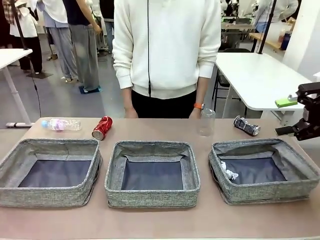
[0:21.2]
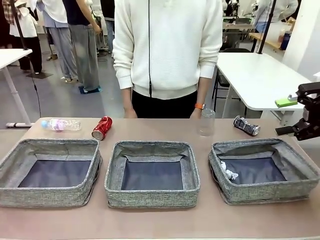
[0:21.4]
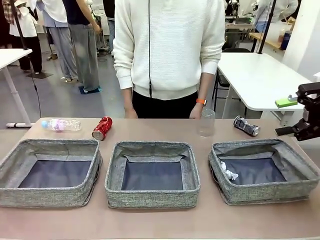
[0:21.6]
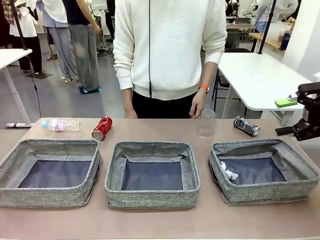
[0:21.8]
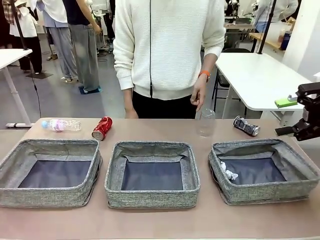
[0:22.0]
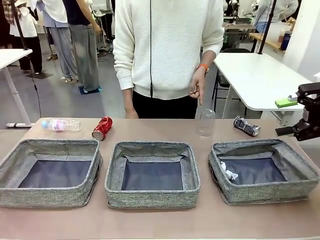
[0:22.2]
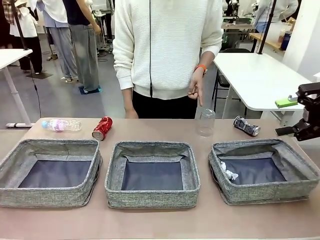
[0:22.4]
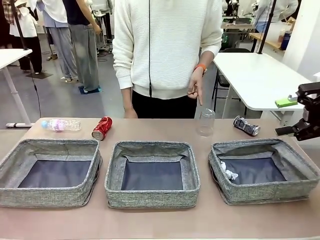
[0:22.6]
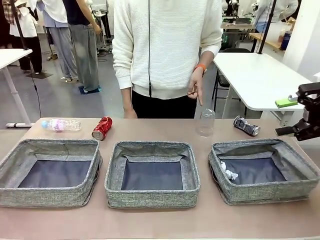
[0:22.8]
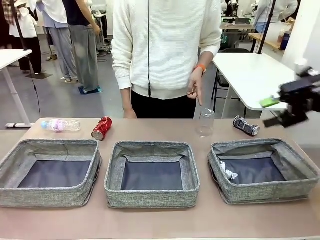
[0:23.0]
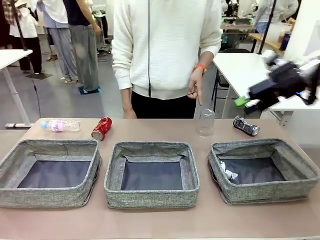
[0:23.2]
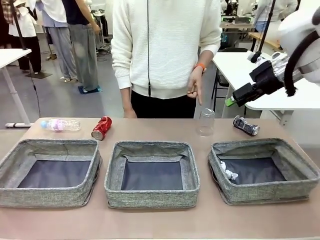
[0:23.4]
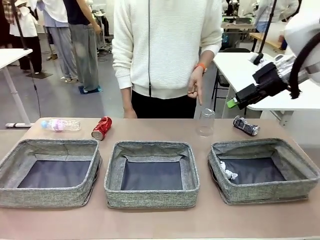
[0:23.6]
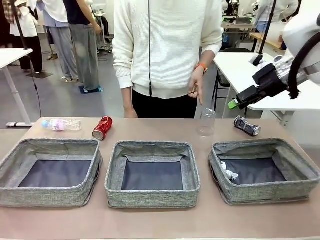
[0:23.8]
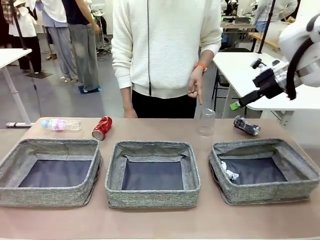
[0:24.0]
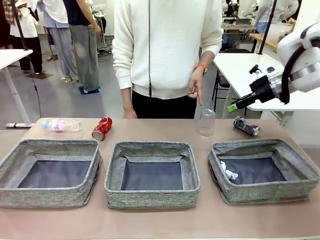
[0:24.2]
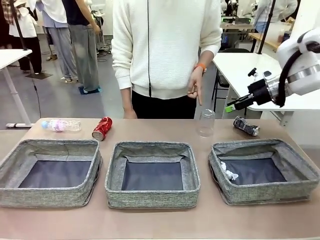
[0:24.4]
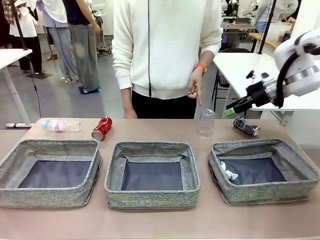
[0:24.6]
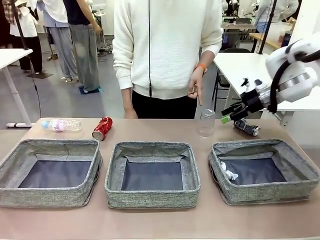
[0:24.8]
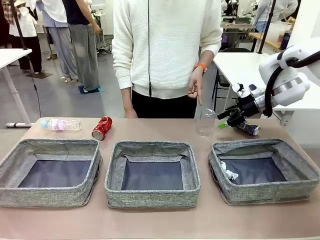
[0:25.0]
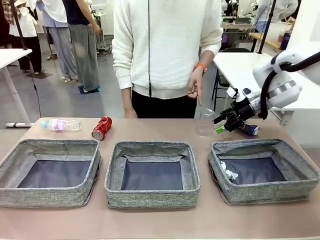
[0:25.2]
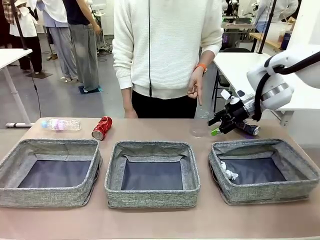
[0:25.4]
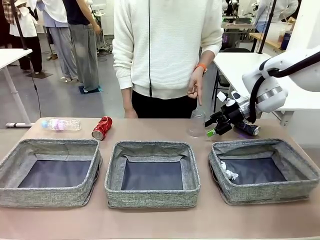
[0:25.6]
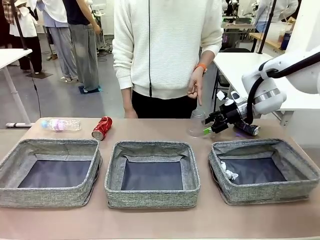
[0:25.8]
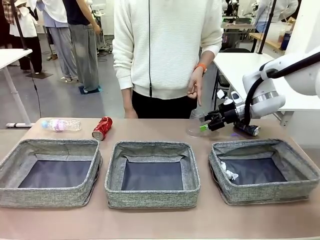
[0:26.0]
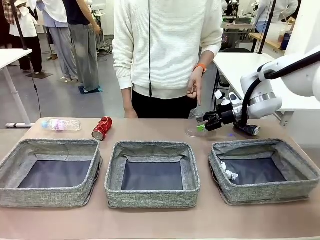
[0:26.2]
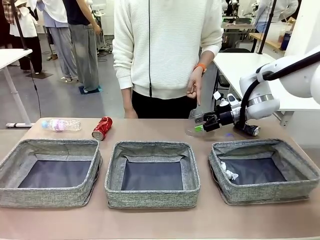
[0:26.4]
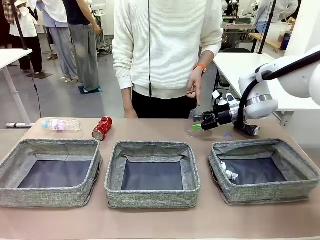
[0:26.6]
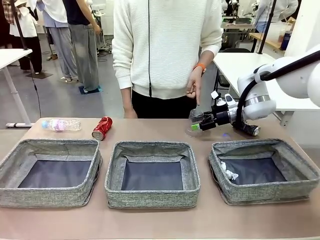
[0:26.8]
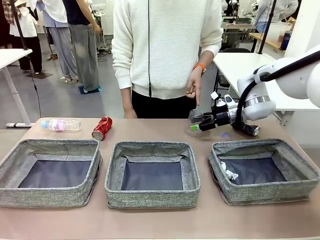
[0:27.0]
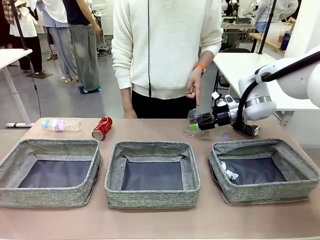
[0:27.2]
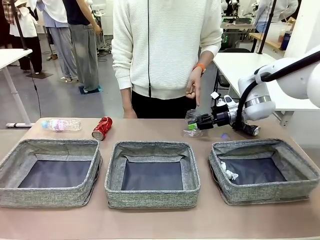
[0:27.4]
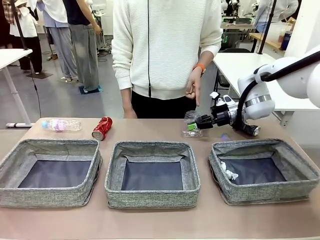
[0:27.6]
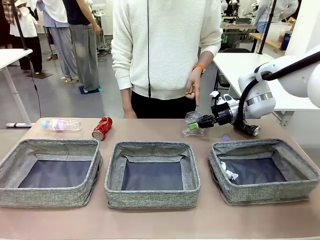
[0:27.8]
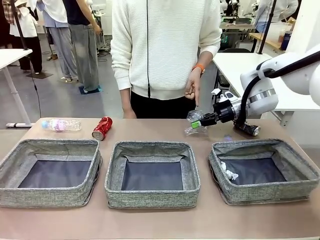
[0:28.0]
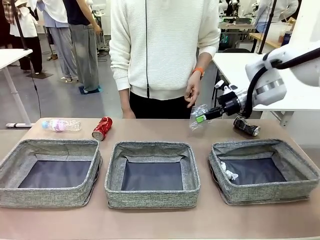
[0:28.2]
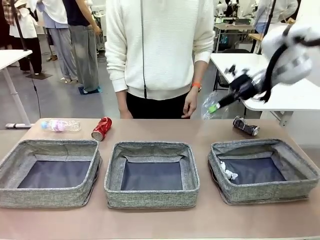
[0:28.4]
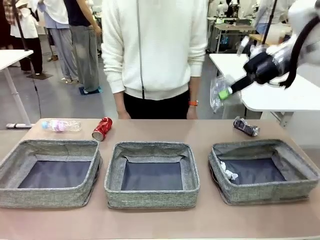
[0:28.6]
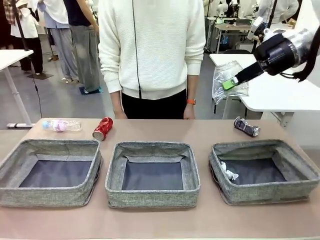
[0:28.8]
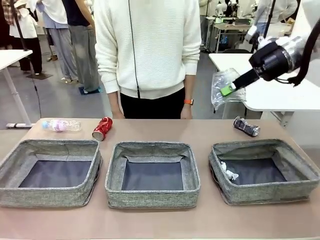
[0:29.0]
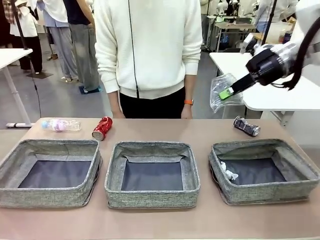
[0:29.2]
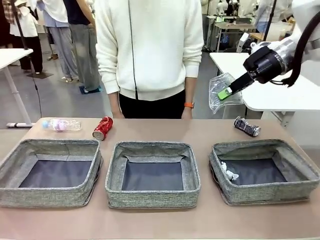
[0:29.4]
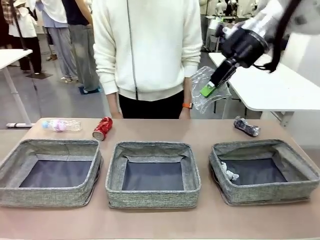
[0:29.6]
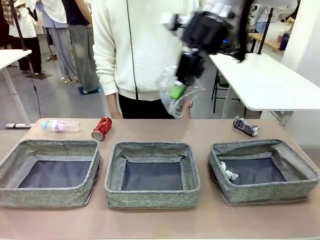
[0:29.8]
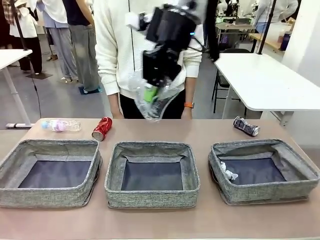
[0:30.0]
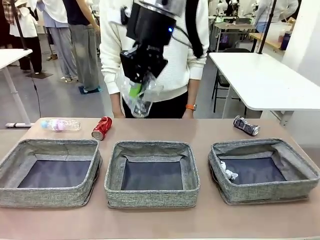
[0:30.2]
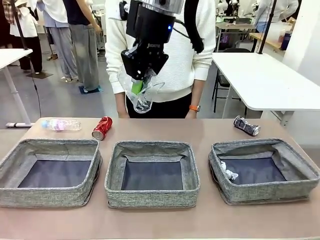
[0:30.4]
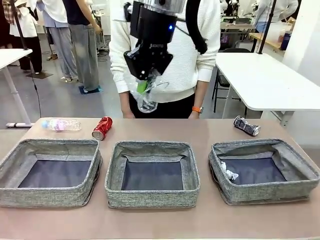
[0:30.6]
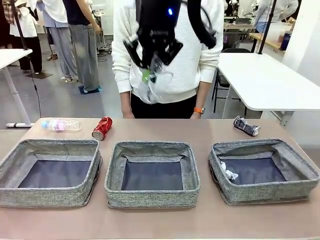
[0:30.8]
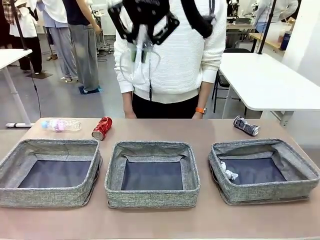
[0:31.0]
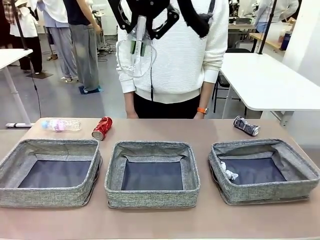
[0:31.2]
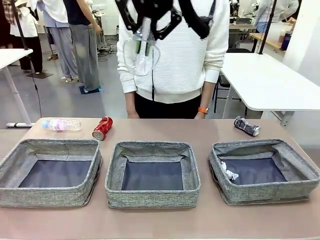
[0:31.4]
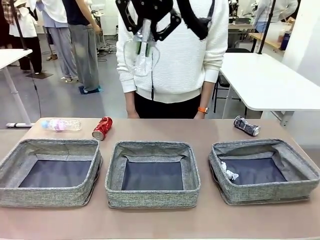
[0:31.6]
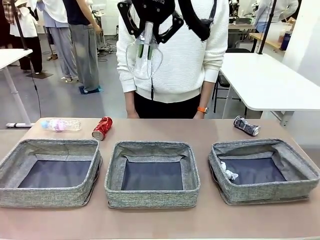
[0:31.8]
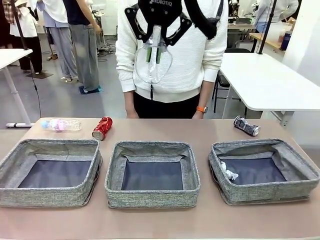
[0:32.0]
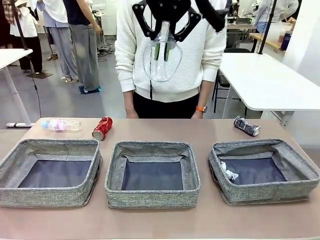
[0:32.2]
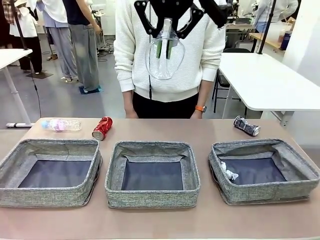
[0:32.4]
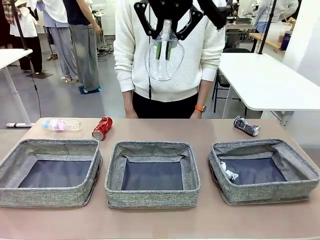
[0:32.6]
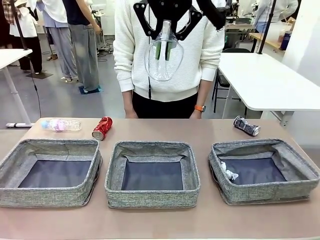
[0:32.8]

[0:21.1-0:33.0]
Task: Sort the waste into the appropriate baskets.
Robot: Pick up the waste item pointed out by the person.
Person: Points to one piece of trash on the table.

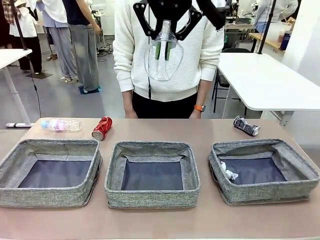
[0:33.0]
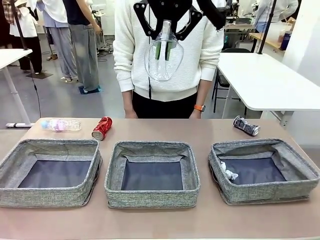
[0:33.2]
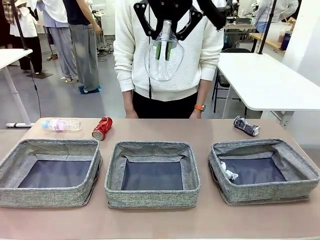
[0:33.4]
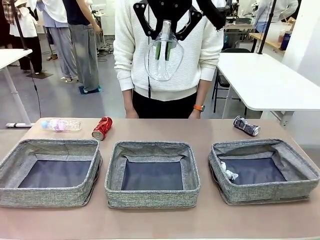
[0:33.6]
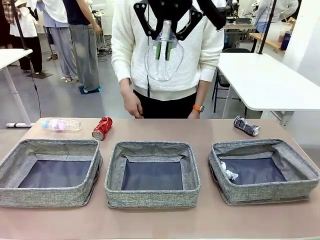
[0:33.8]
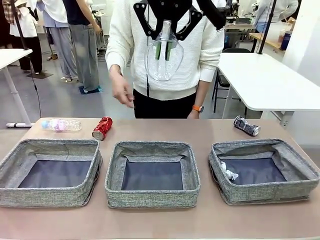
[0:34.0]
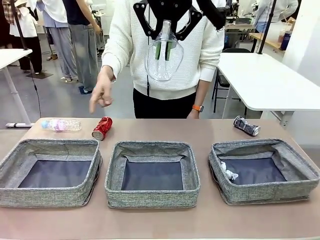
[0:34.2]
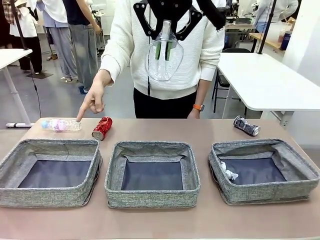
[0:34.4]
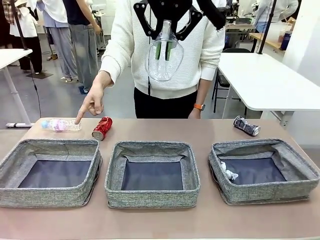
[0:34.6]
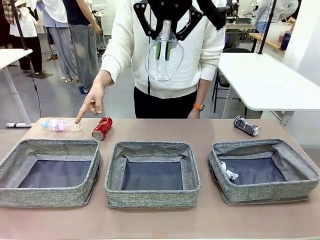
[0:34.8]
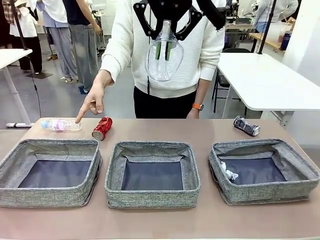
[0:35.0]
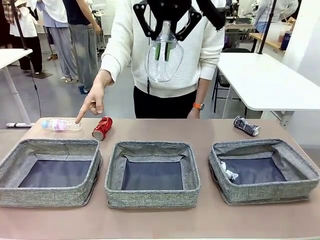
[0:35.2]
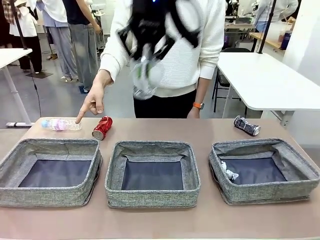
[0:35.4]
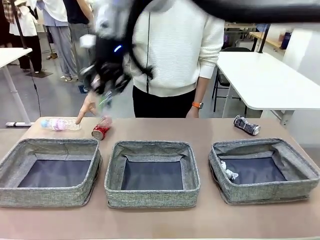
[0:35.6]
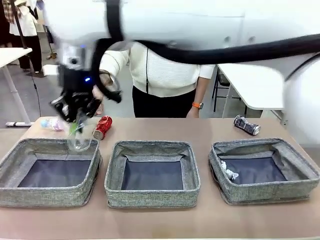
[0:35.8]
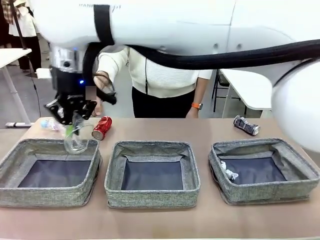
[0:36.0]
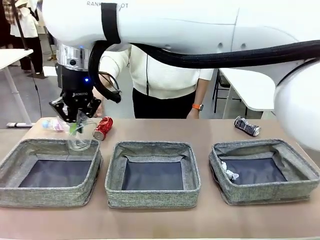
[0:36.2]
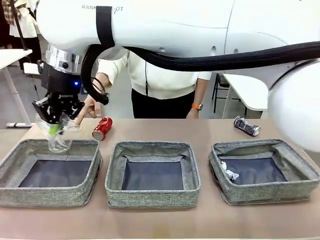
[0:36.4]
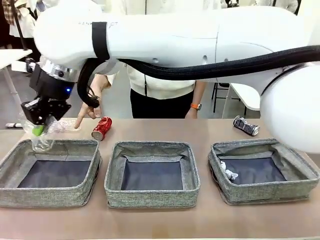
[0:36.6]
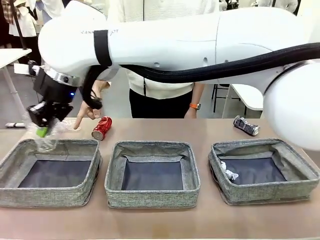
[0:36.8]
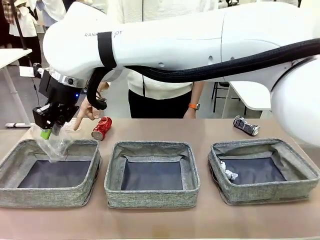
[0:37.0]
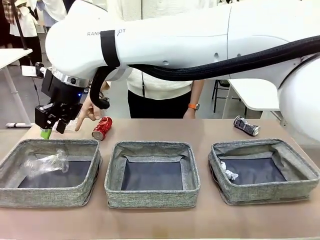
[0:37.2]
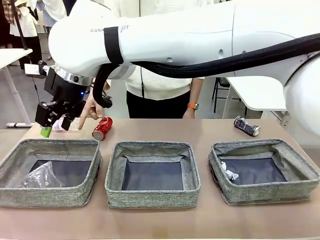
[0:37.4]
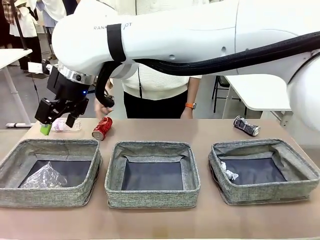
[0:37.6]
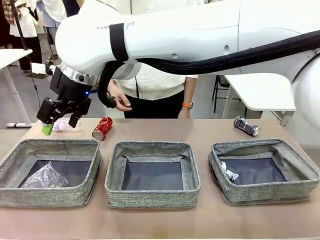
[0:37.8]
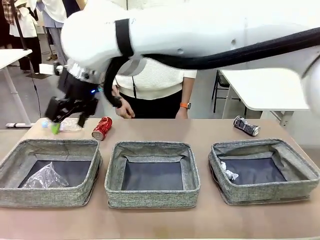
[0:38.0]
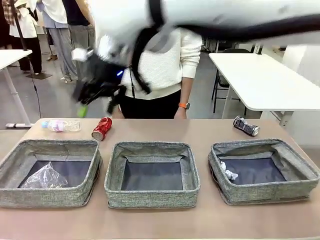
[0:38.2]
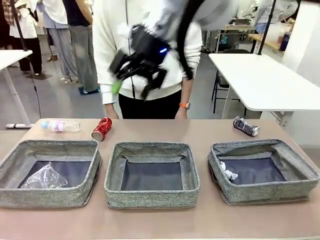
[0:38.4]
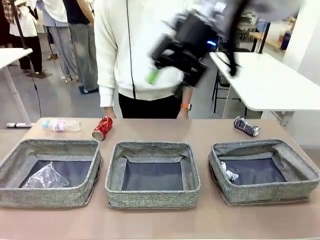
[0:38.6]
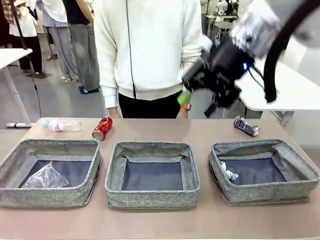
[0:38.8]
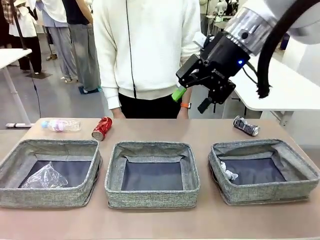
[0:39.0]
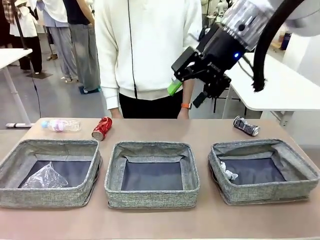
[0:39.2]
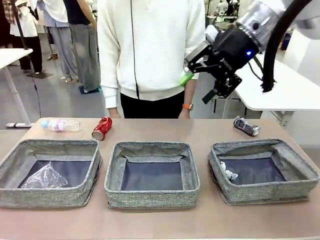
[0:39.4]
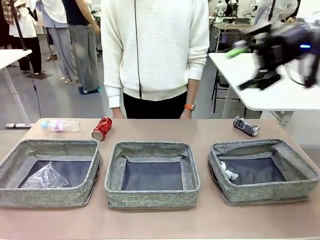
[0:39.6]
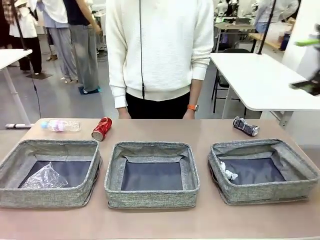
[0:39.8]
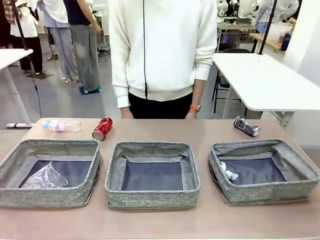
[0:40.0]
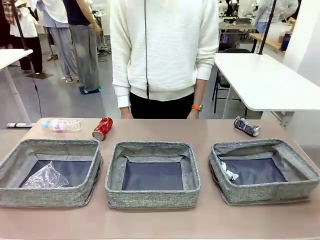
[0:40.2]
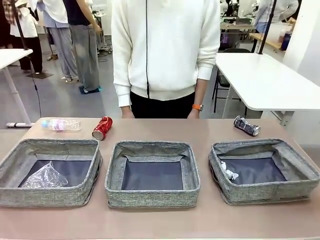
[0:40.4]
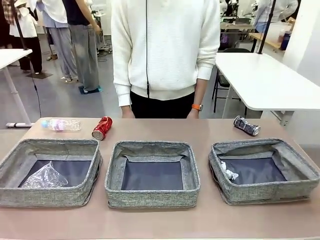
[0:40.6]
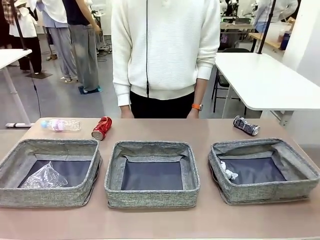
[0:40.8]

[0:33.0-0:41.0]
Robot: Place the picked waste into the Fabric basket indicated by the person.
Person: Instructs the robot to place the picked-up trash into the appropriate organizing basket.
